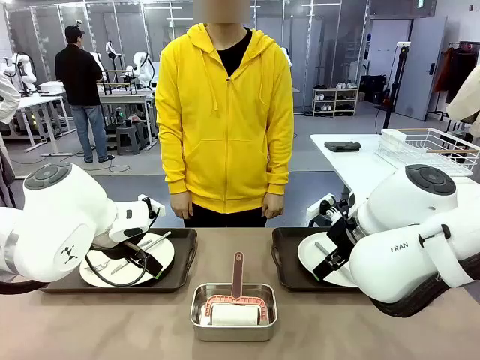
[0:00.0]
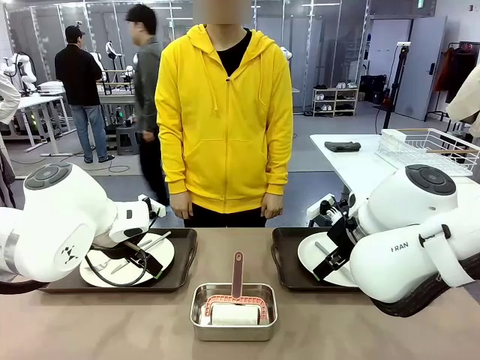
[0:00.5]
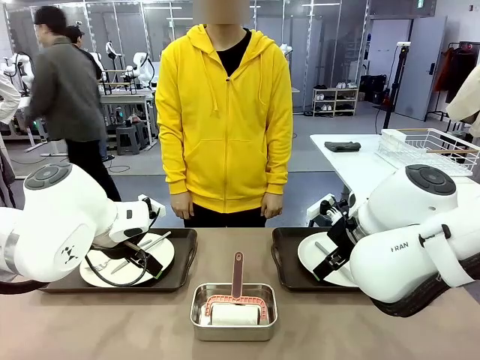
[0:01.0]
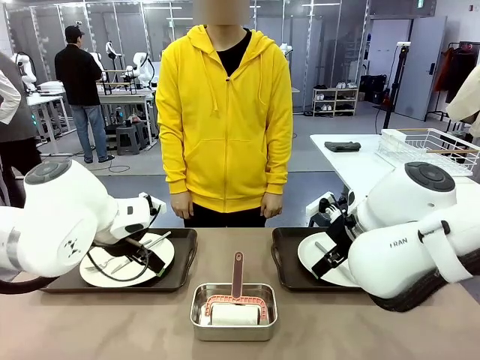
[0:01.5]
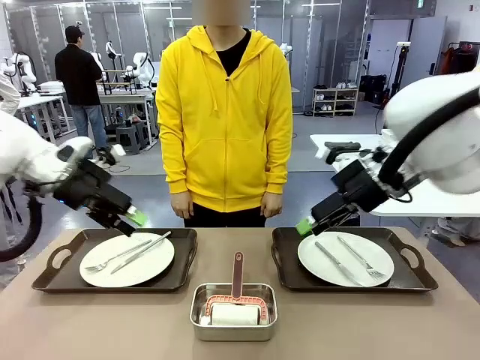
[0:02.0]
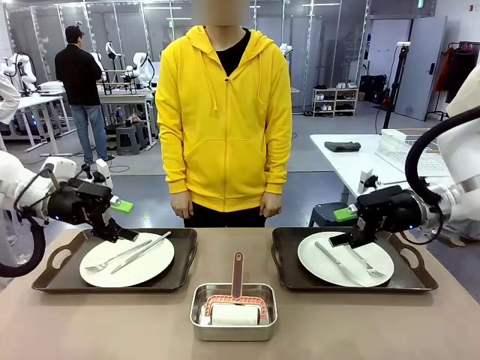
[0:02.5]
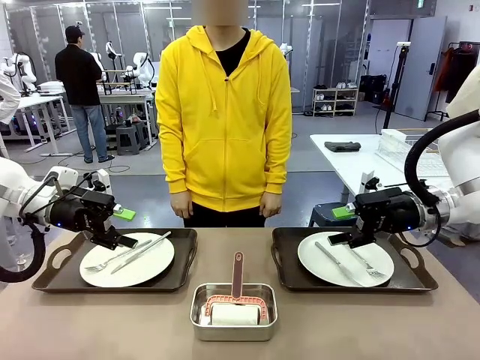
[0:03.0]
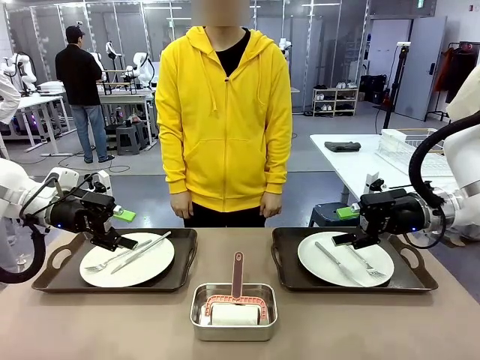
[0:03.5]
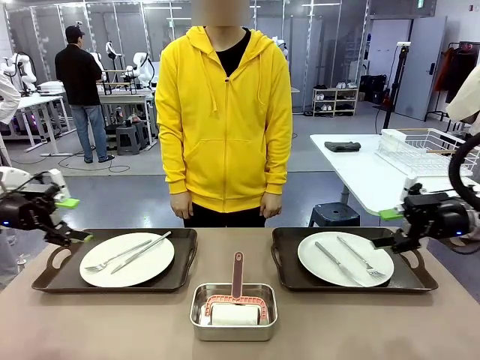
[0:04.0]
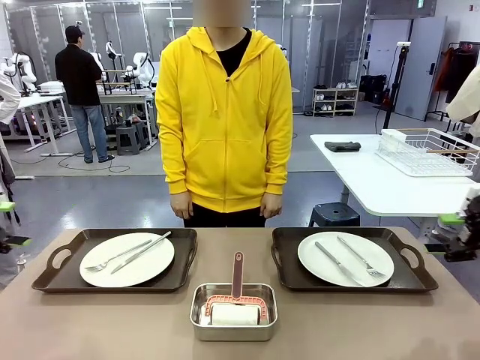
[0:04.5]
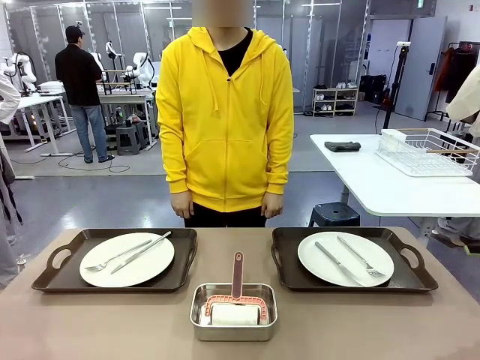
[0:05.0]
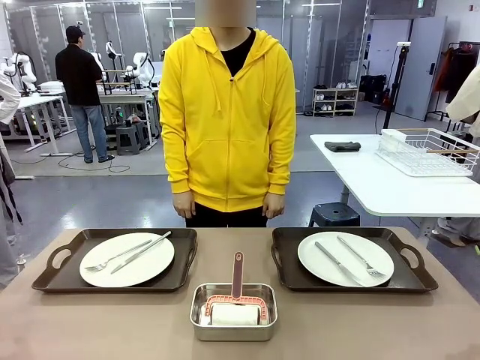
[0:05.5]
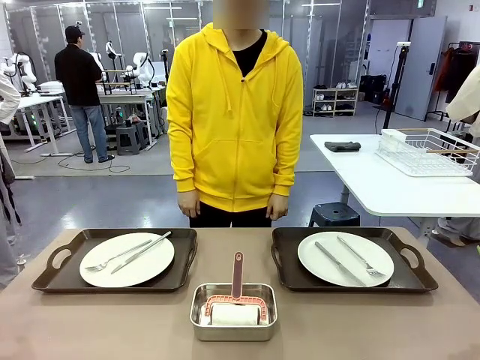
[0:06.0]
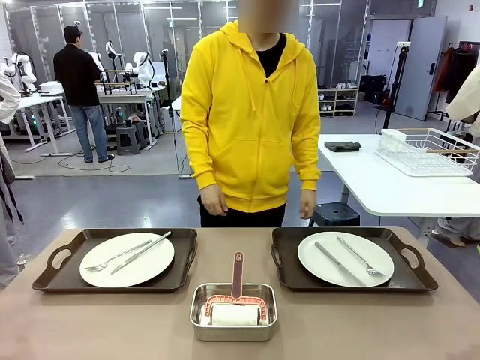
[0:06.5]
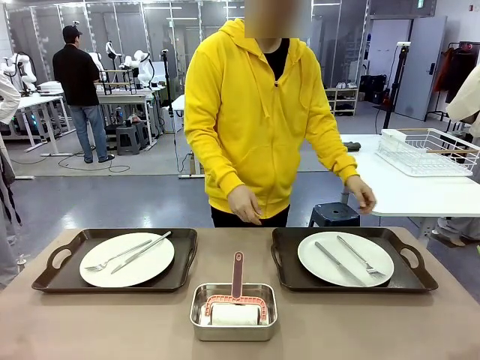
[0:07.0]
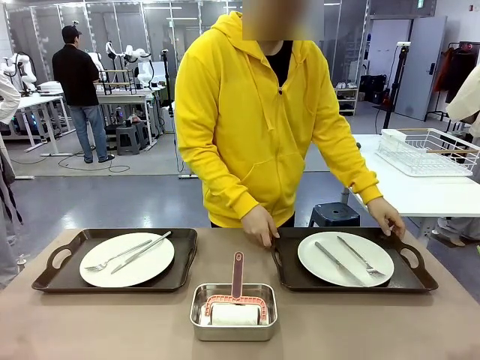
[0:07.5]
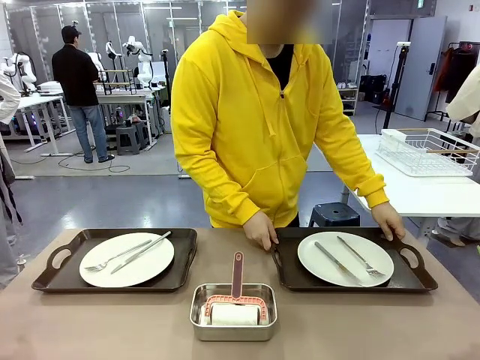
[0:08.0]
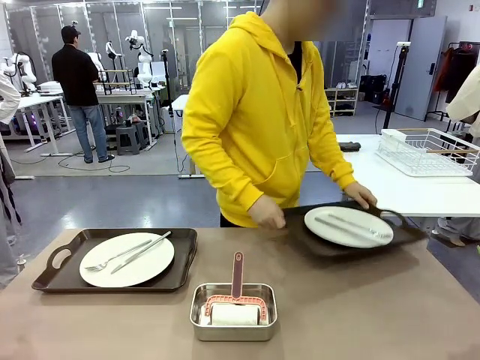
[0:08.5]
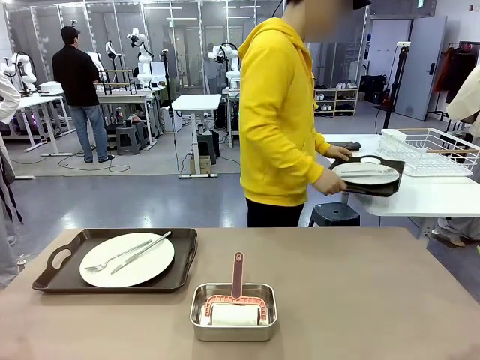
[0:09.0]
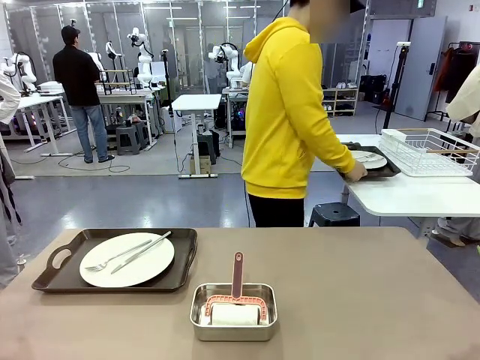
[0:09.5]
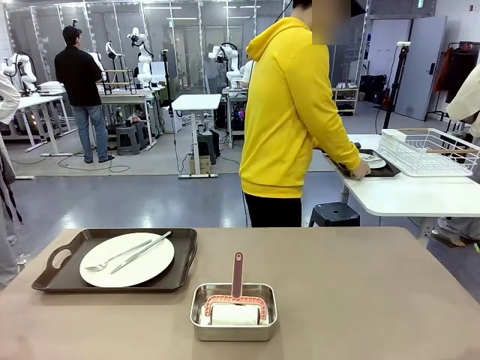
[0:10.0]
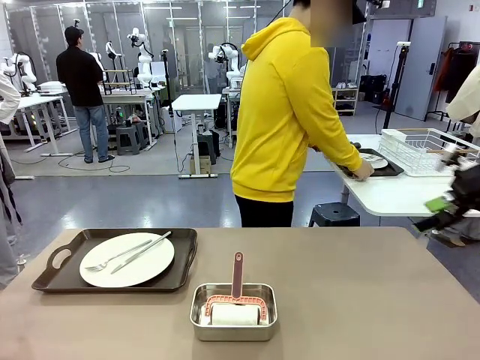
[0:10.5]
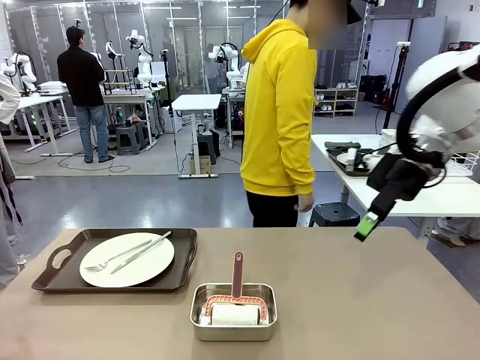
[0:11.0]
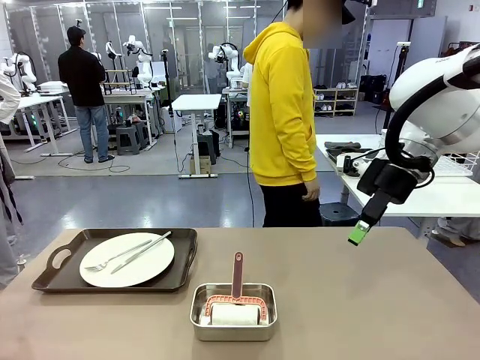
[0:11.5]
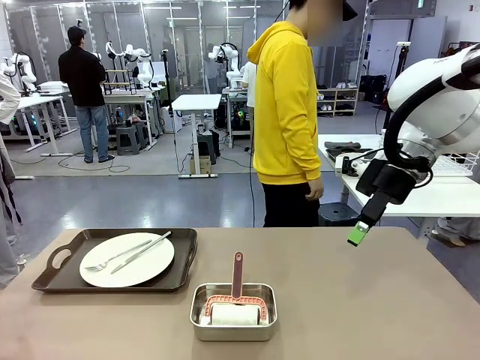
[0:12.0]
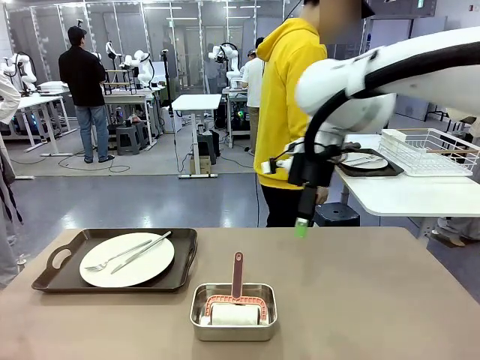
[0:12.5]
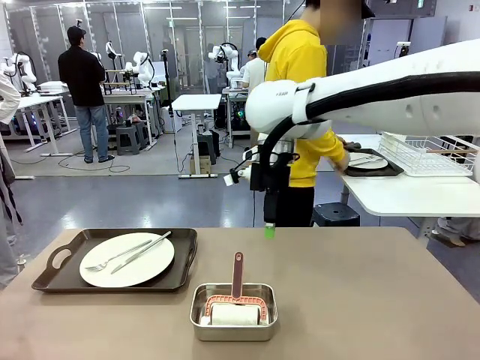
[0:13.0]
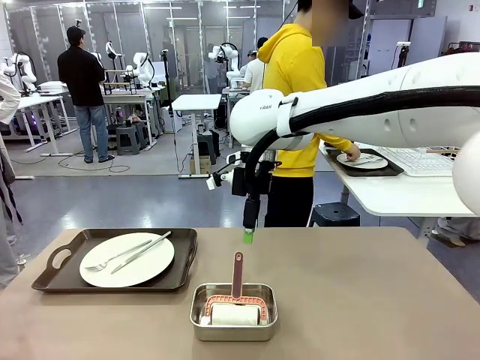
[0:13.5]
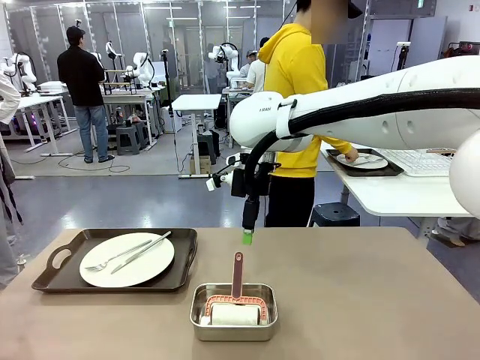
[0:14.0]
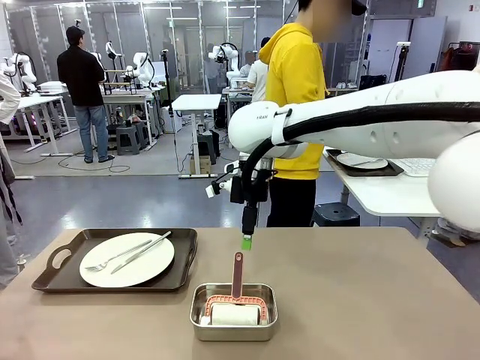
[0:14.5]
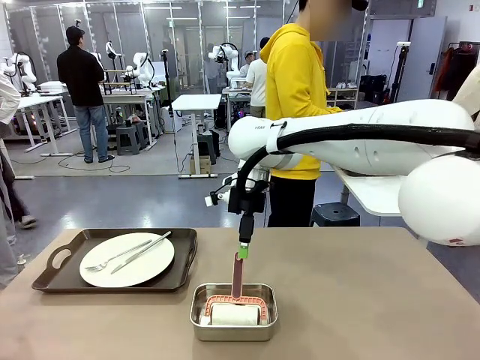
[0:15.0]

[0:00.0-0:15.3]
Robot: When the left (or right) Handle tray is removed, use the left hand (or right hand) to clean the left (or right) side of the table with the Lint Roller.
Person: Pick up the left (or right) Handle tray and place it on the middle of the Human's table.

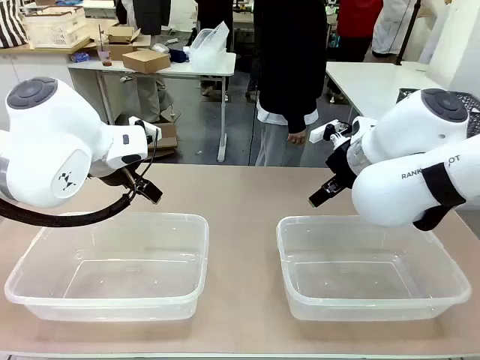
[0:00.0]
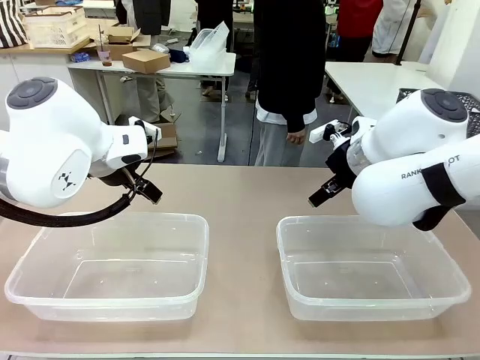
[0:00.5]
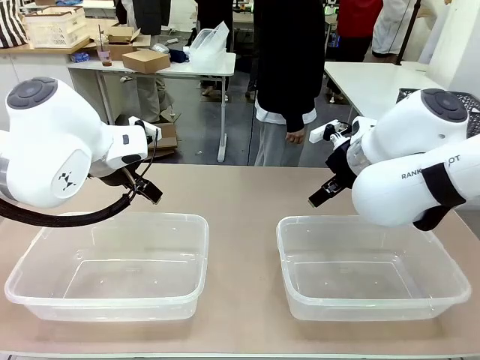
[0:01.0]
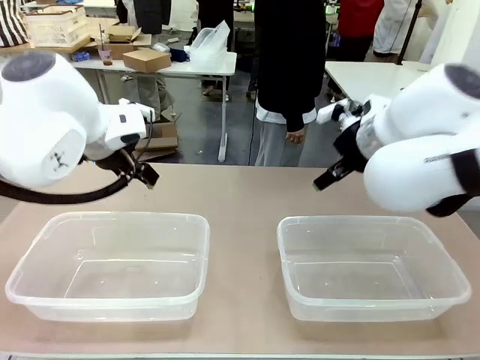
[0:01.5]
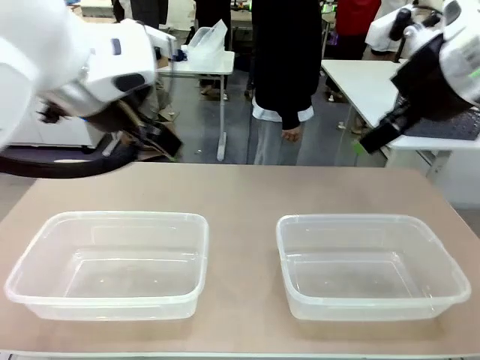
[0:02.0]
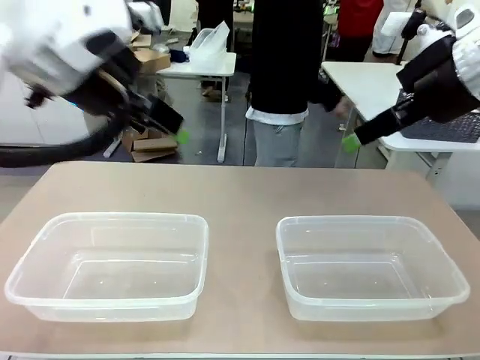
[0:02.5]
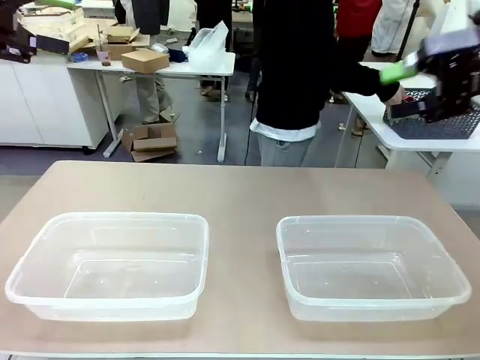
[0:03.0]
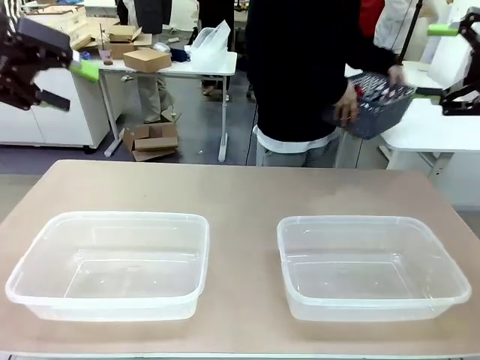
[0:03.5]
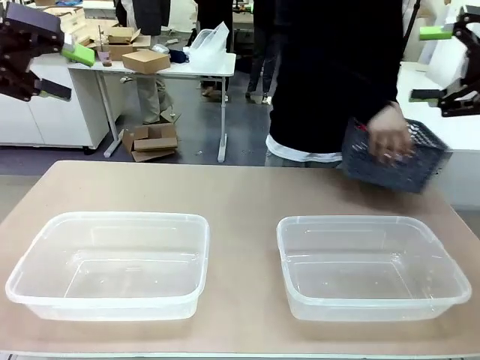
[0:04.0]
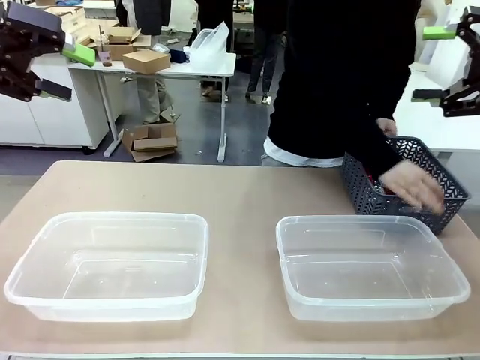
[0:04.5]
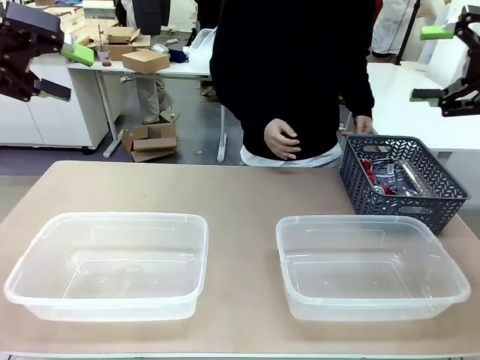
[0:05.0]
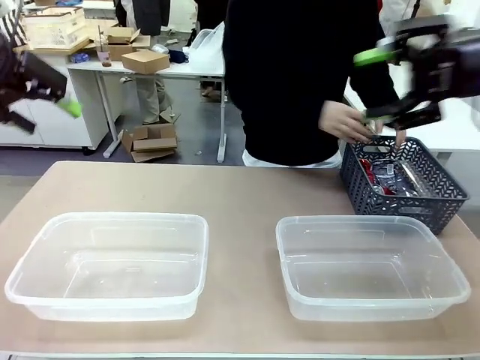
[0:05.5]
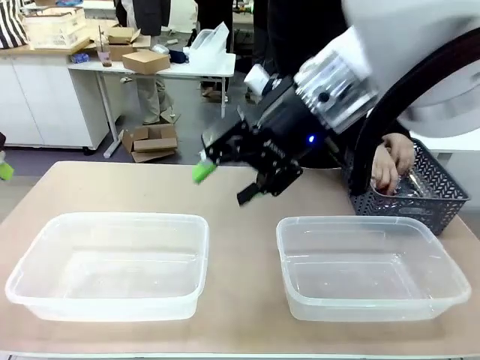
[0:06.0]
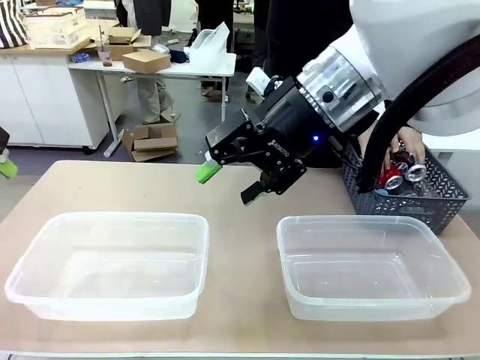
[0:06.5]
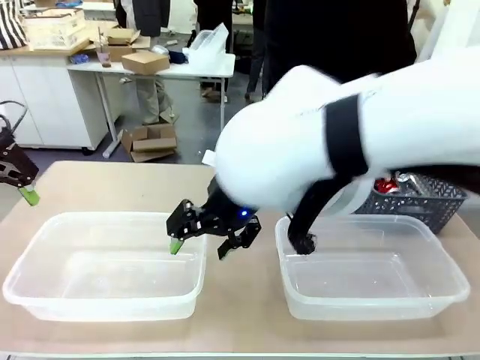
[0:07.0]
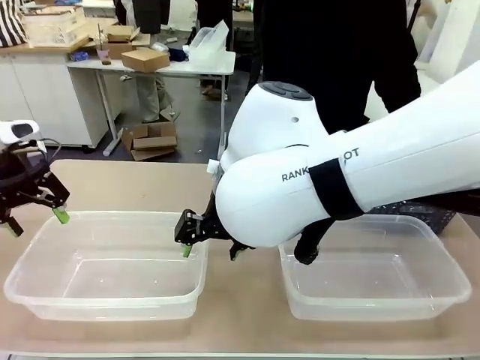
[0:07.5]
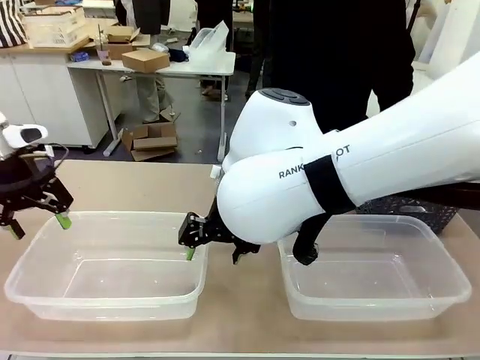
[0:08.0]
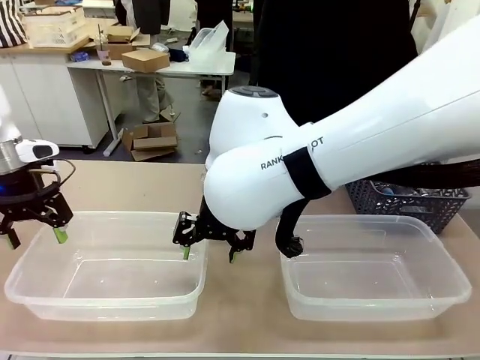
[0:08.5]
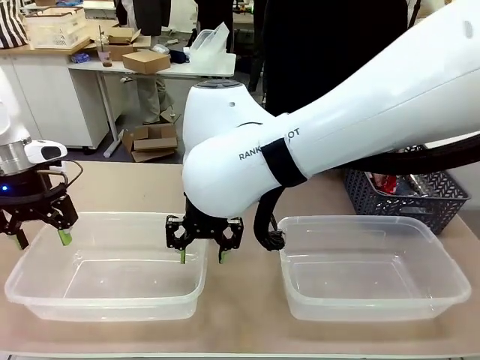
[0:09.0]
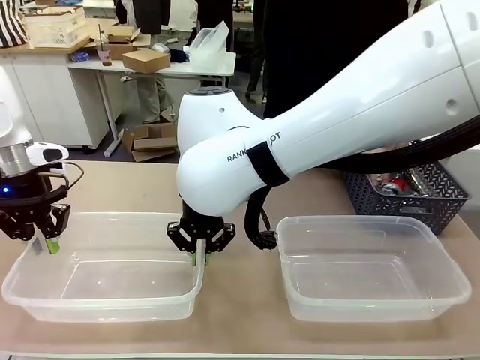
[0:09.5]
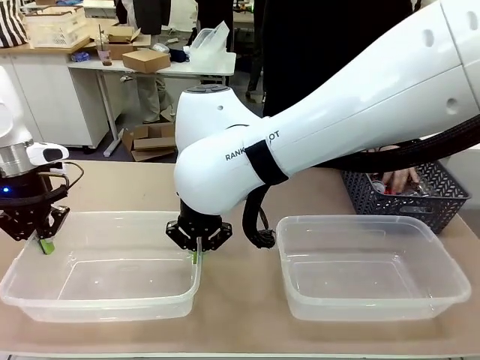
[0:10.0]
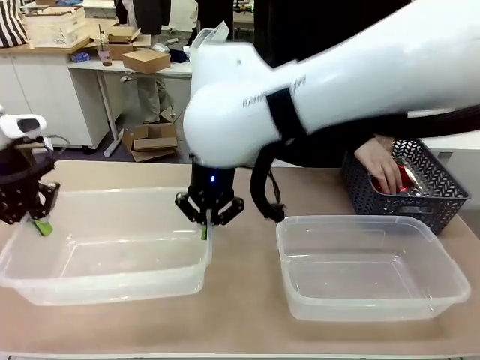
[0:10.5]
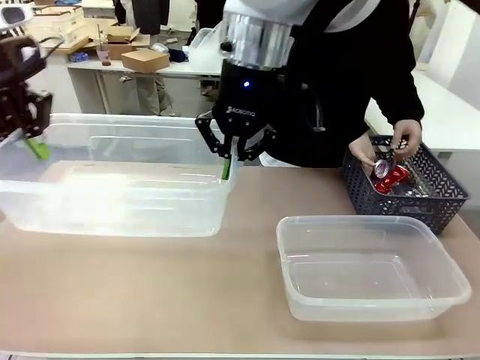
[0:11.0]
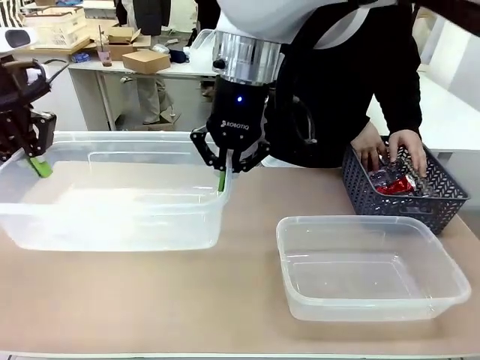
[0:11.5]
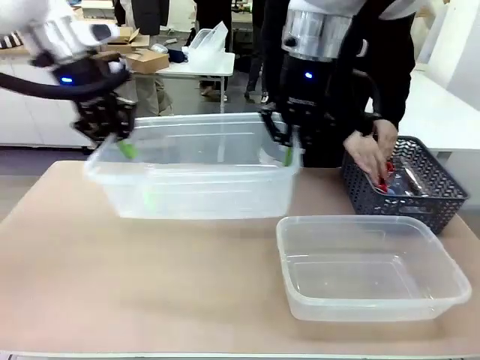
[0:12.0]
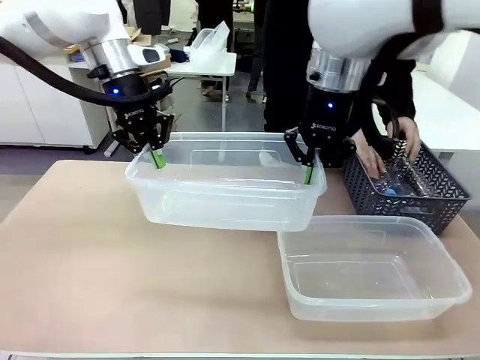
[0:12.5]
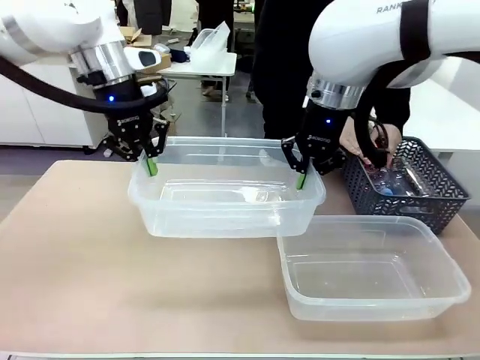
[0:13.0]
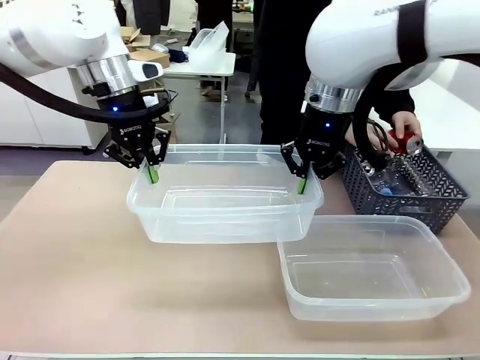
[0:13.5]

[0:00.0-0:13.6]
Robot: Pick up the Organizing box on the left side of the table and lift it.
Person: Pick up the storage basket and place it on the left side of the robot table. Pick up can-shaped waste one by one and place it into the organizing box lifted by the robot.
